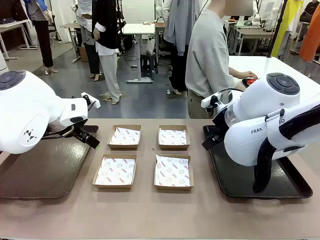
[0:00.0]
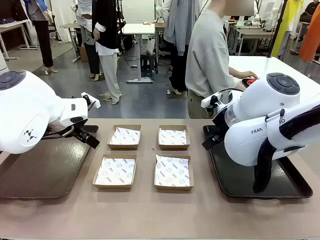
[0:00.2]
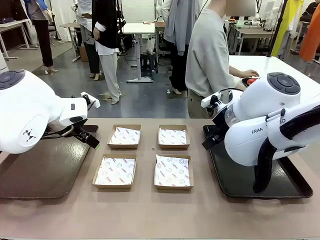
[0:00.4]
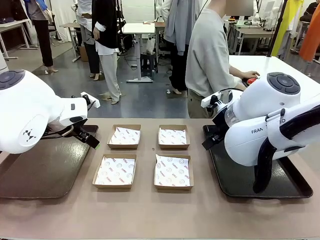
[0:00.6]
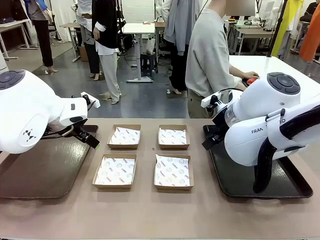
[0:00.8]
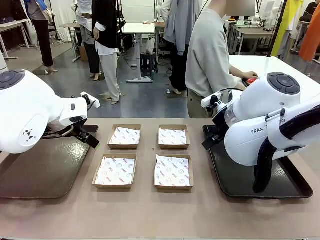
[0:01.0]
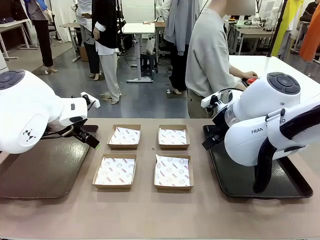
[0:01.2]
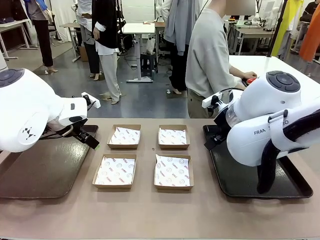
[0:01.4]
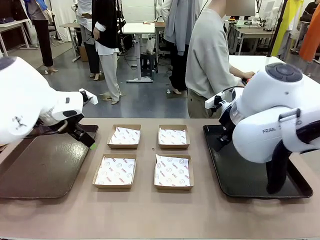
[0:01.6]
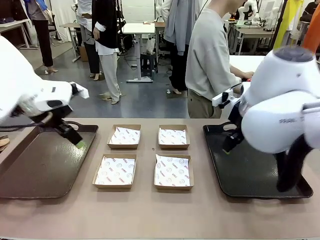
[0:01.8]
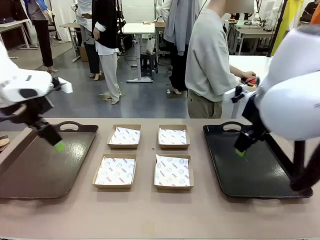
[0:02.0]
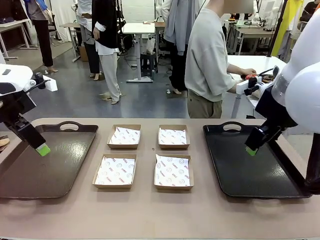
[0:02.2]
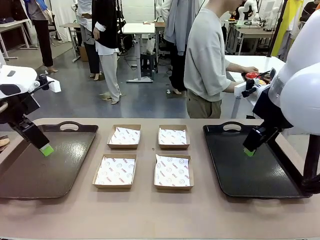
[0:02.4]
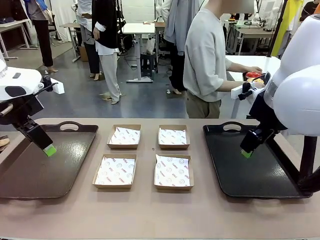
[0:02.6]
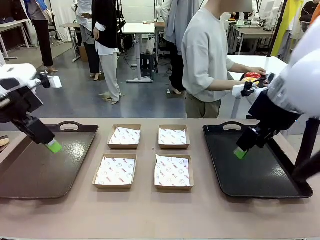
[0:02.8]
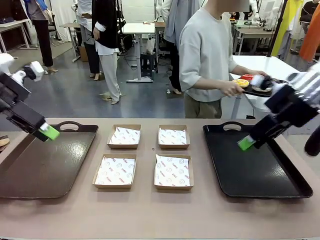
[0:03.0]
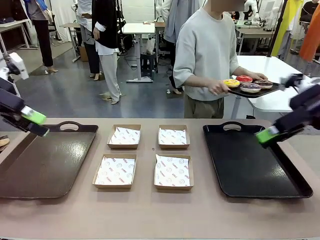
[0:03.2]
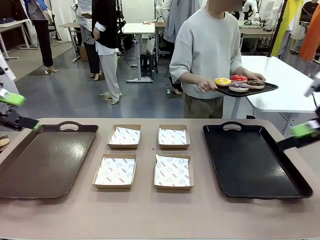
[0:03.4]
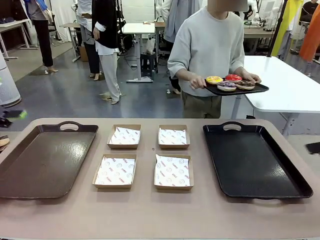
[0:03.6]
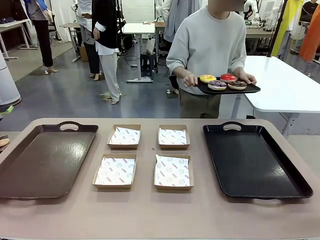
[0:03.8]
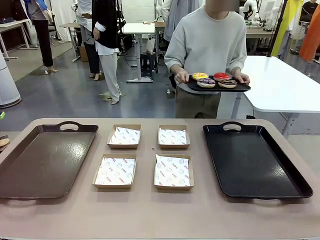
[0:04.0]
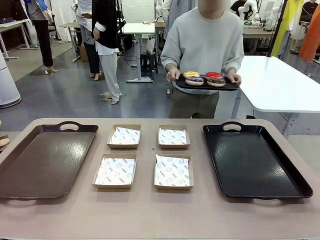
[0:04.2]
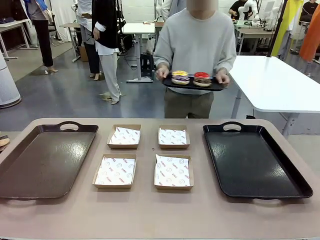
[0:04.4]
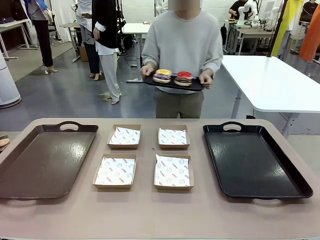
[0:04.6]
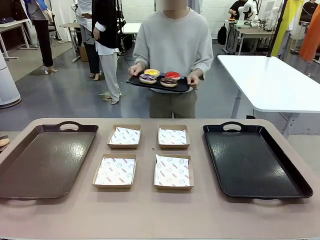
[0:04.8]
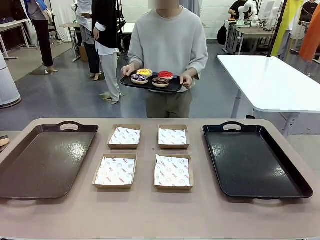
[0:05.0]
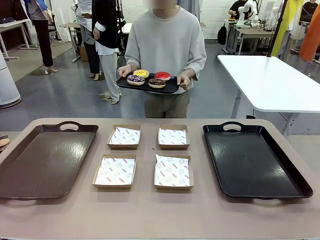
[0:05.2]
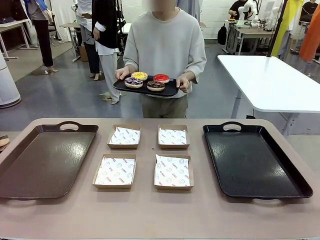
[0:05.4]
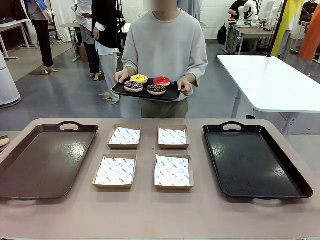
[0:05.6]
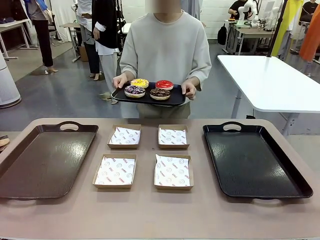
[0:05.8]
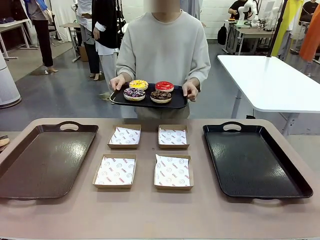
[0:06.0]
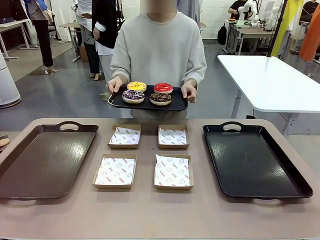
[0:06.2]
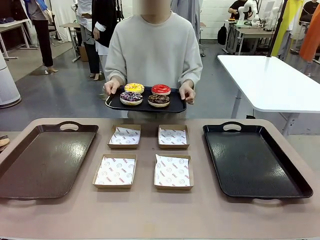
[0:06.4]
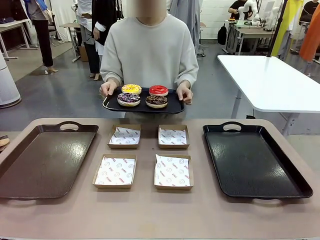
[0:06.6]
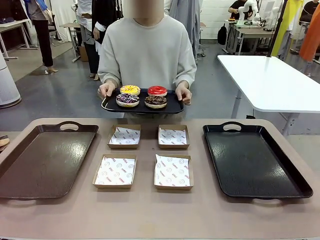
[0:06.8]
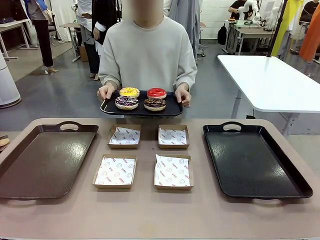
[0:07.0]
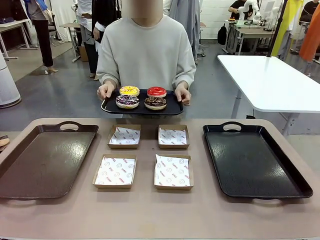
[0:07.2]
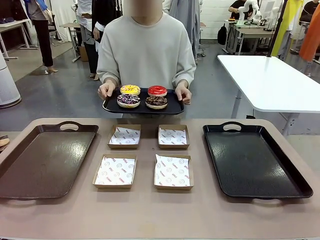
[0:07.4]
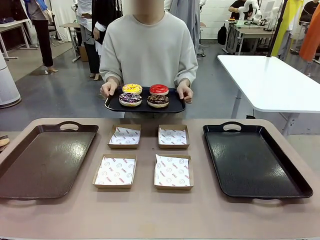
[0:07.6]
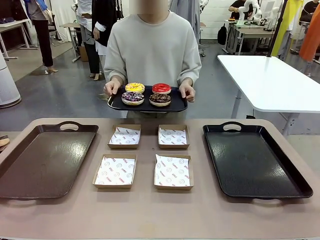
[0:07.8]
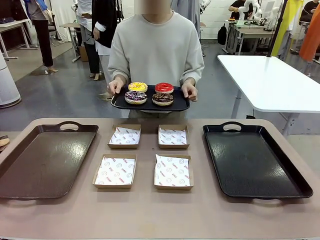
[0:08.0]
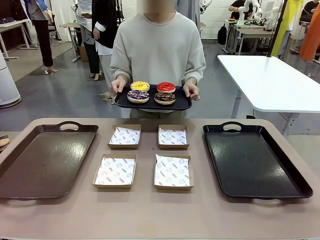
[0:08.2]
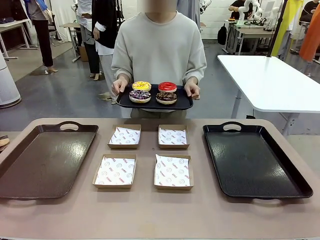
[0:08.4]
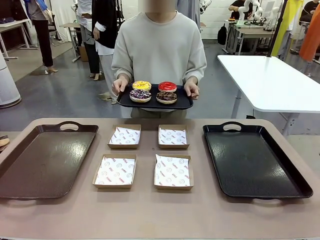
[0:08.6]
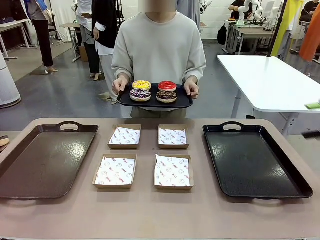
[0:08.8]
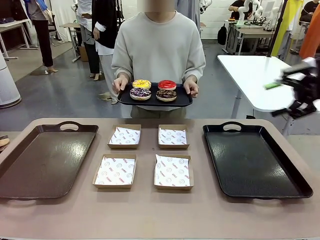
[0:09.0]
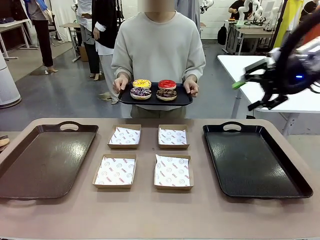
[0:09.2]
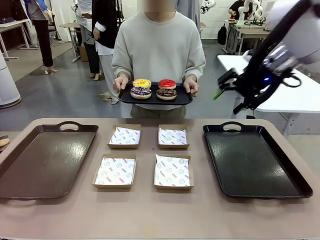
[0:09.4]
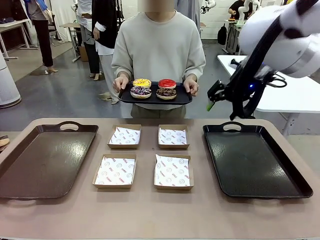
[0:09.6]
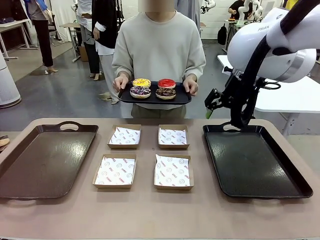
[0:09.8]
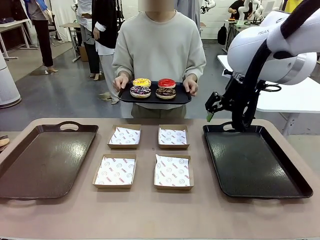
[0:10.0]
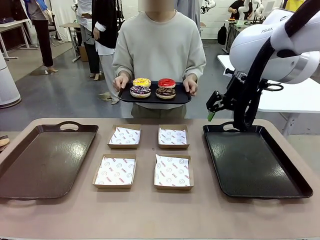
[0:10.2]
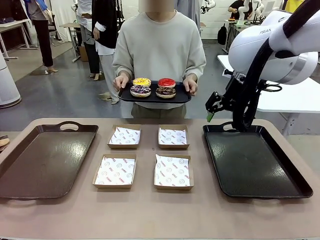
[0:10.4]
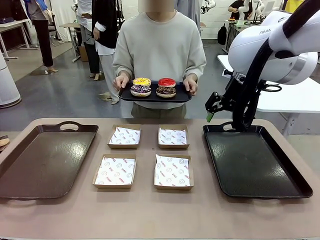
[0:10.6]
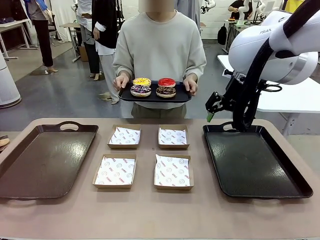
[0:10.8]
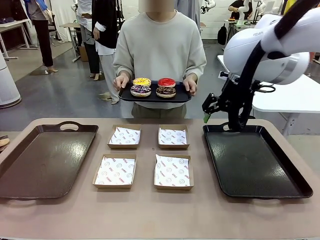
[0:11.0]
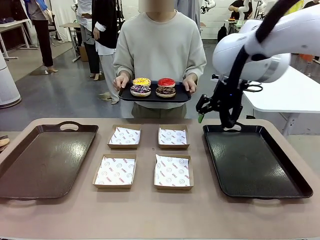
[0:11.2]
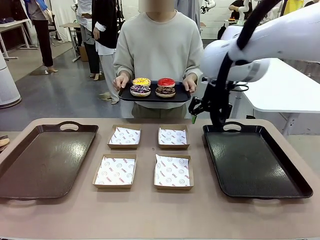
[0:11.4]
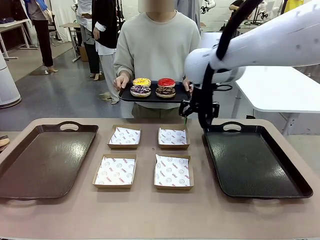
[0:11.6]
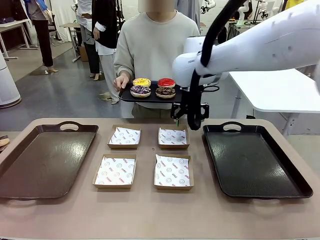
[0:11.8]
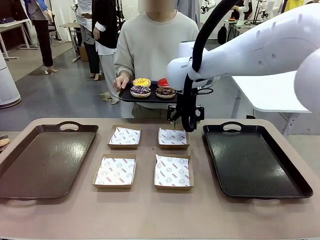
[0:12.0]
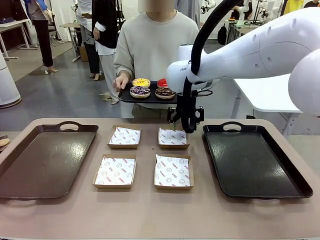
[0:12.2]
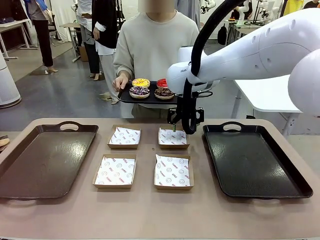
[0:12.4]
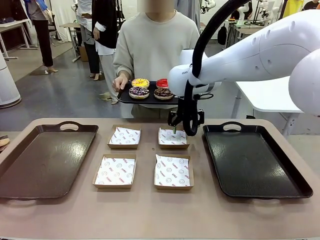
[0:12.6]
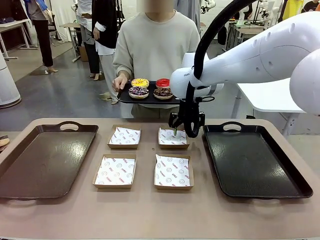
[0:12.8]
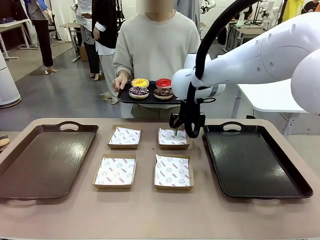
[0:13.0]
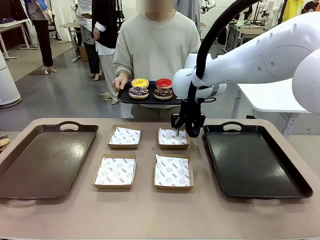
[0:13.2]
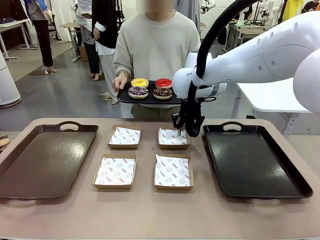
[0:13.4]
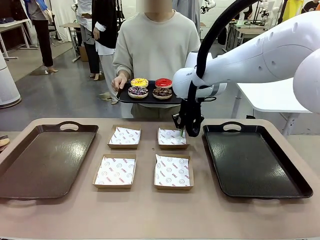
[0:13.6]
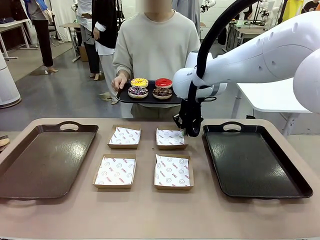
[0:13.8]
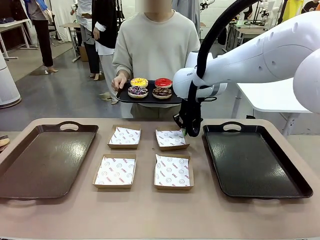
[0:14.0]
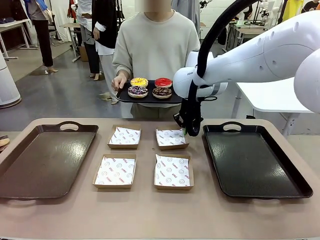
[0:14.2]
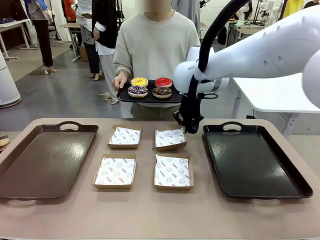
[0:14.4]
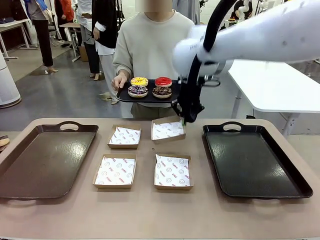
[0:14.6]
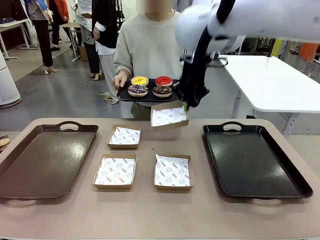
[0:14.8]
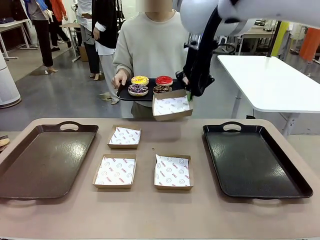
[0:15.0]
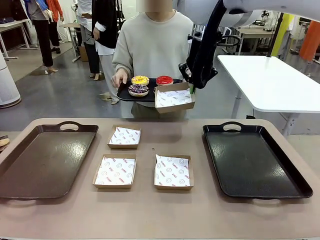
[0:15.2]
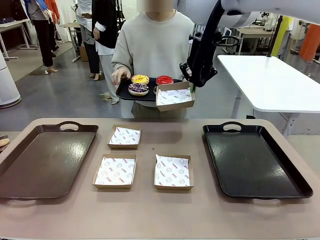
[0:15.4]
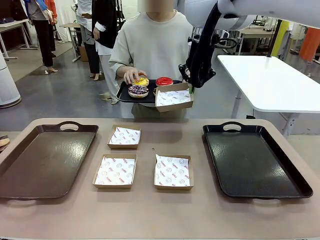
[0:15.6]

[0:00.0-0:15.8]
Task: Individually package the donuts and arrange them on the tray.
Robot: Pick up one Paper togo box.
Person: Stand in front of the robot table holding the tray containing the donuts.
